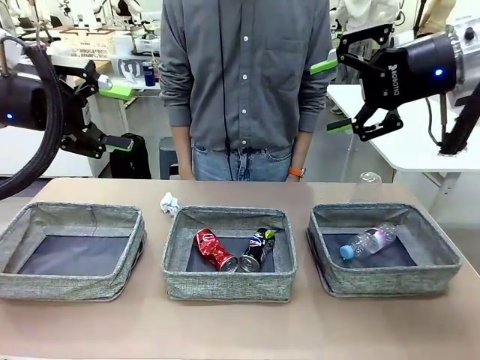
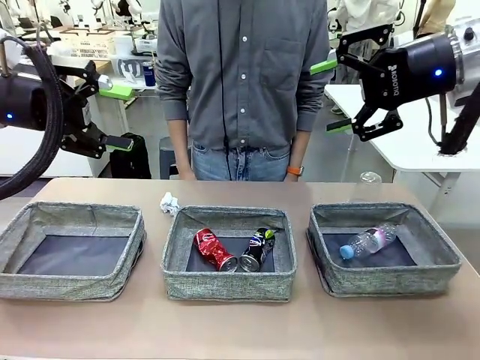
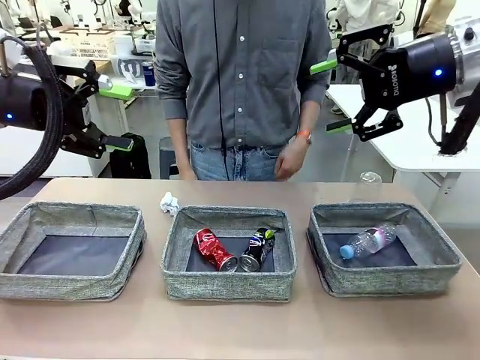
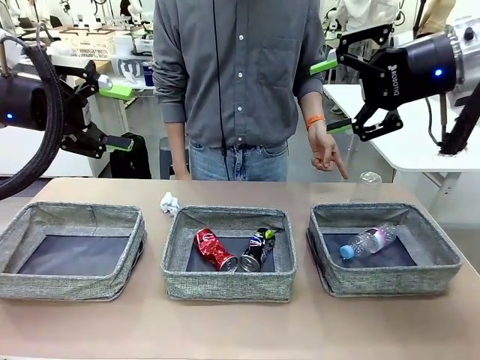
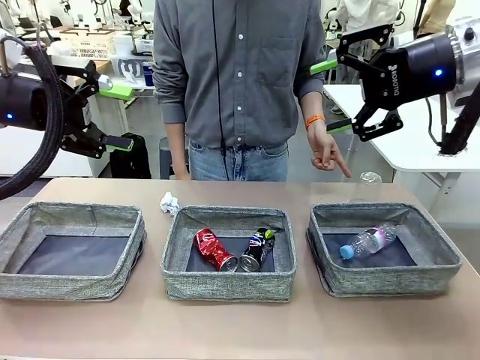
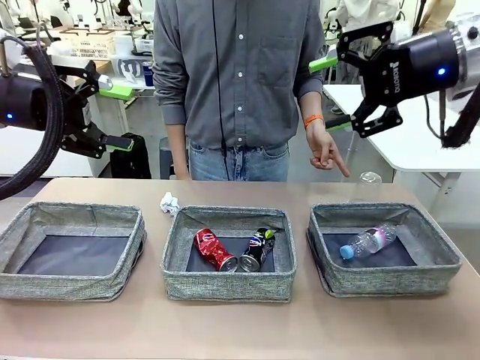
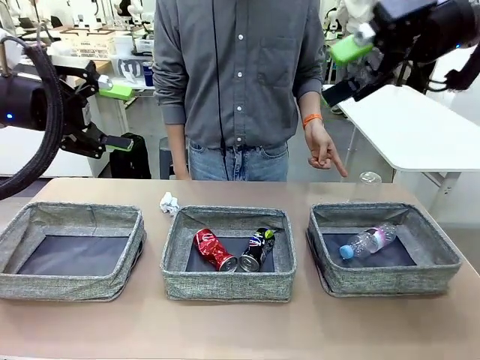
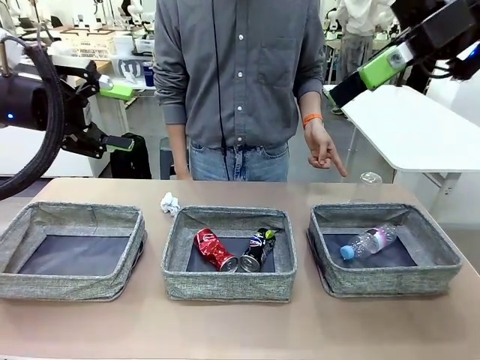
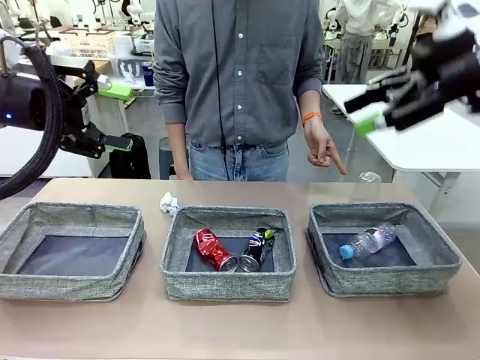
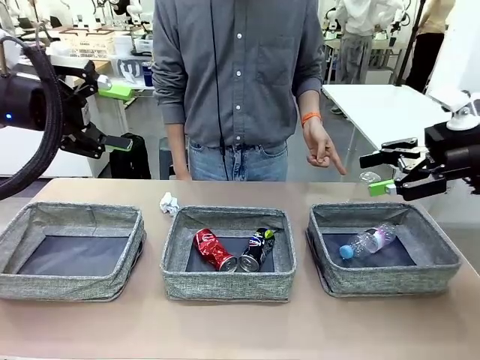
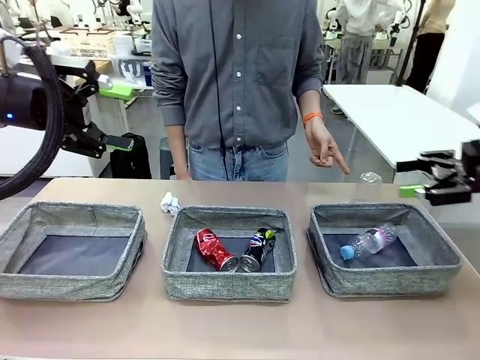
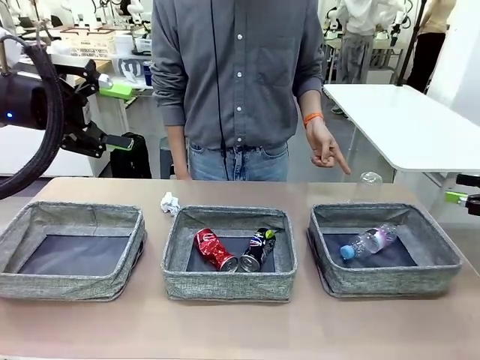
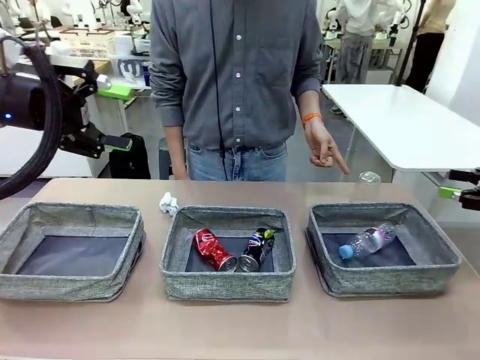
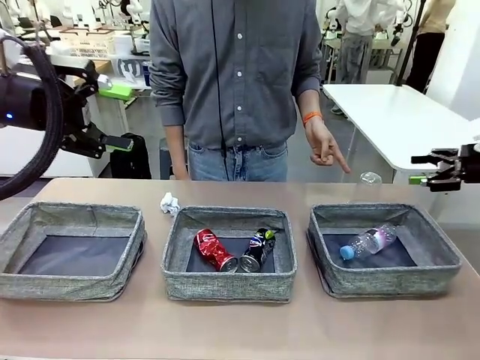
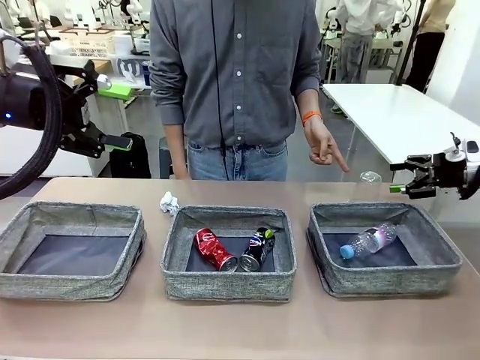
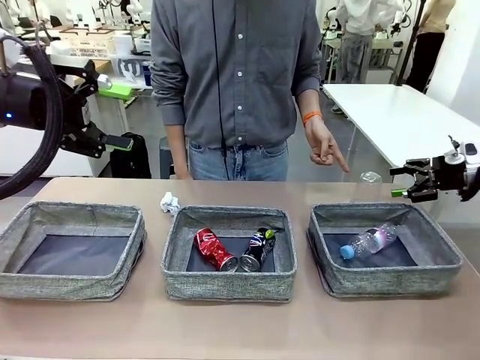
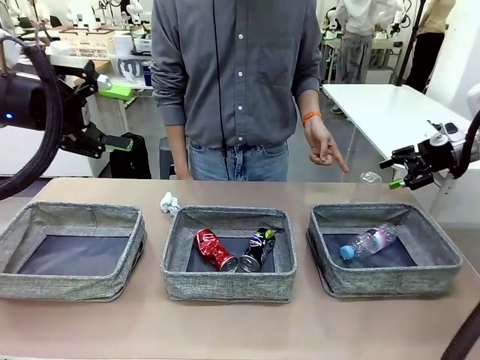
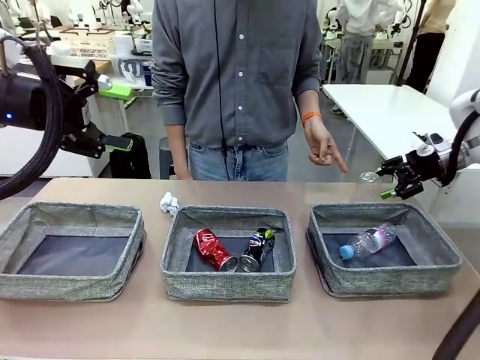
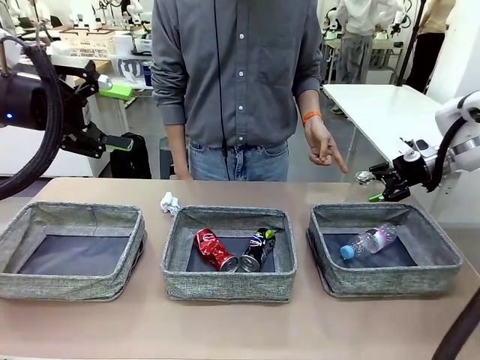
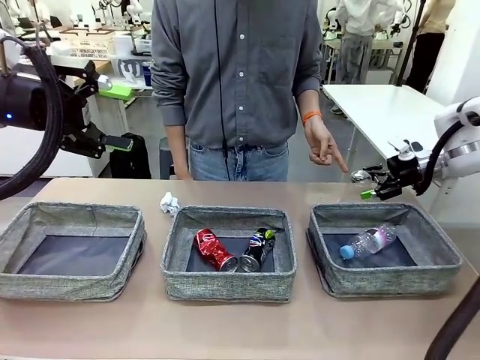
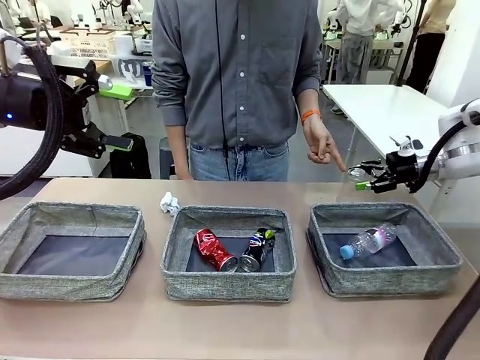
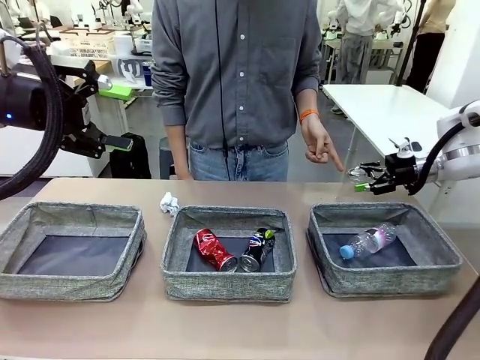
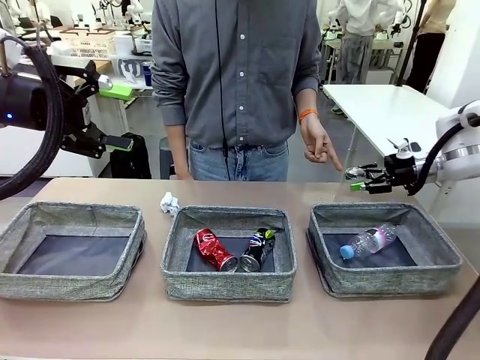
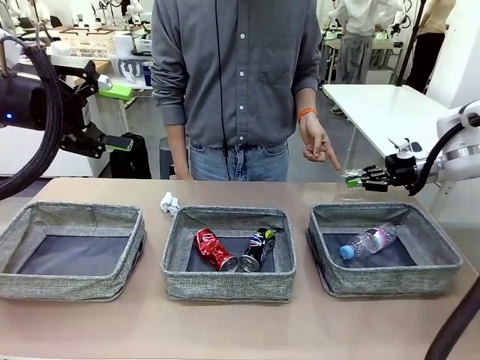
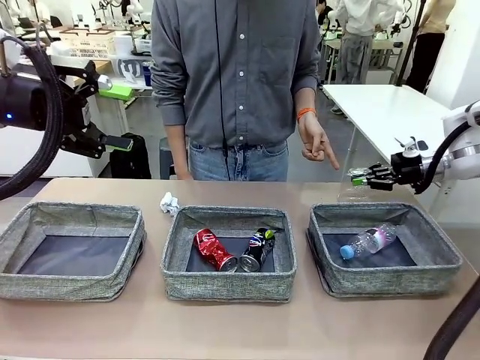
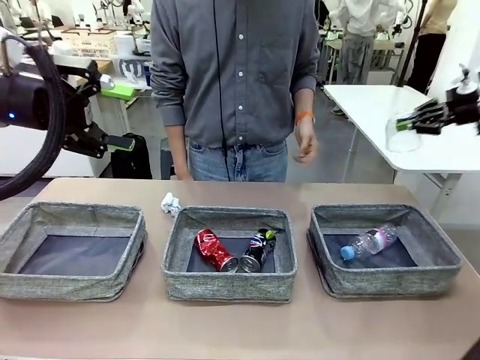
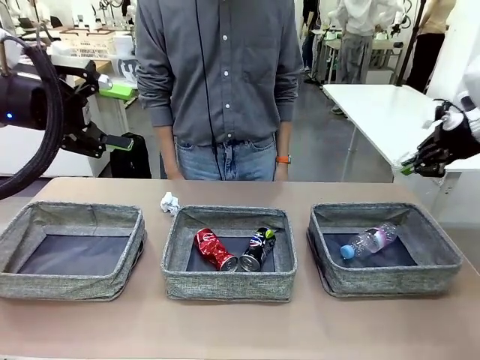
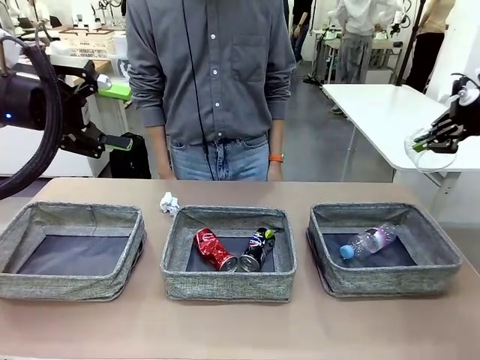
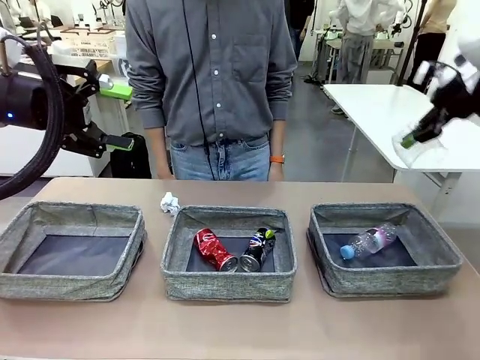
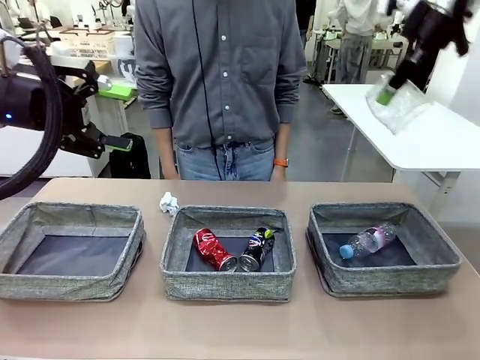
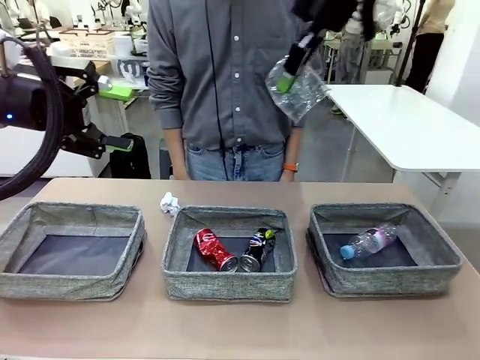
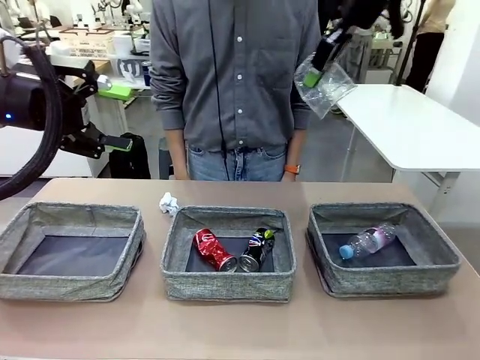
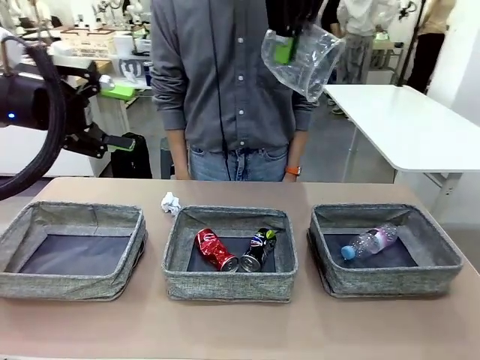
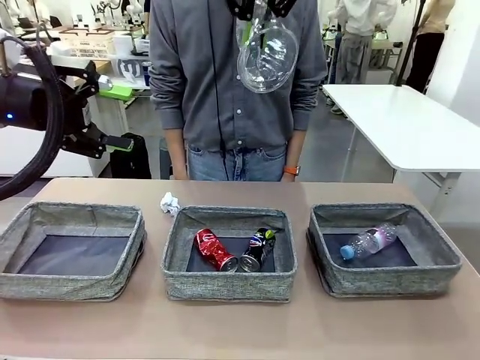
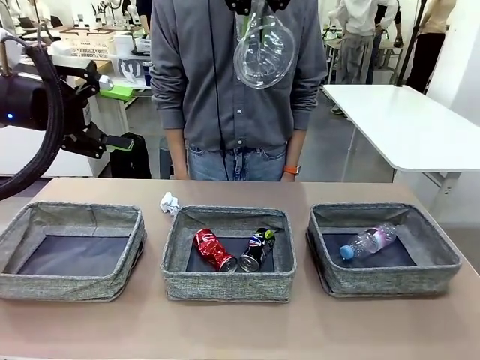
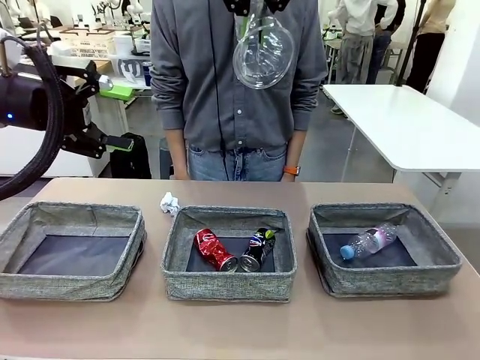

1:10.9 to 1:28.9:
Task: Sort the waste into the appropriate baskets.
Robot: Pick up the waste item pointed out by the person.
Person: Points to one piece of trash on the table.

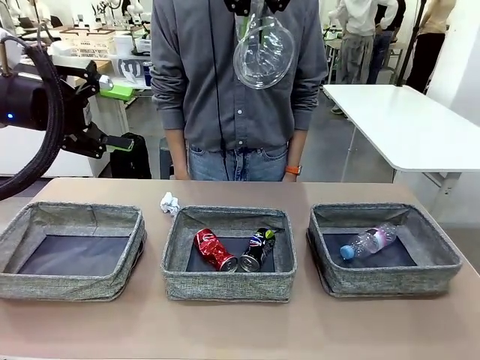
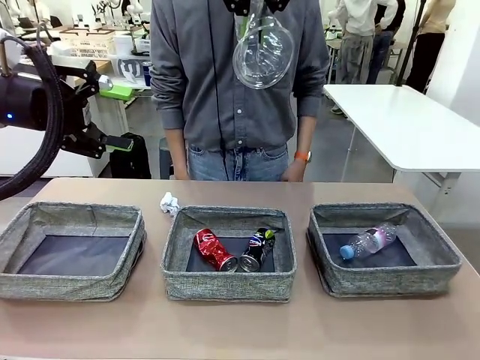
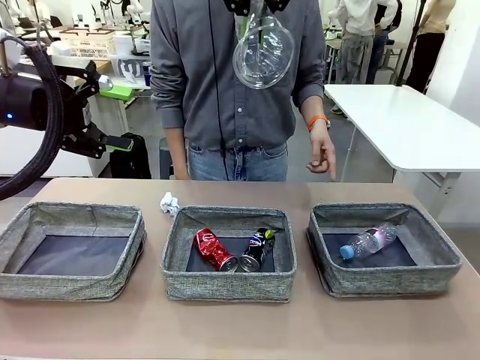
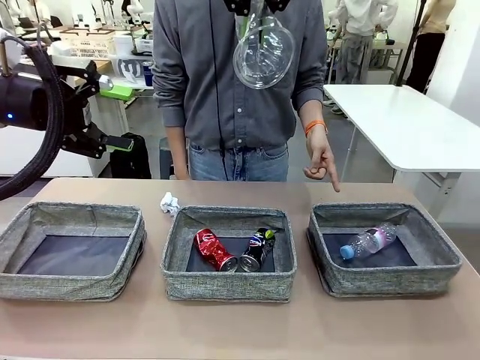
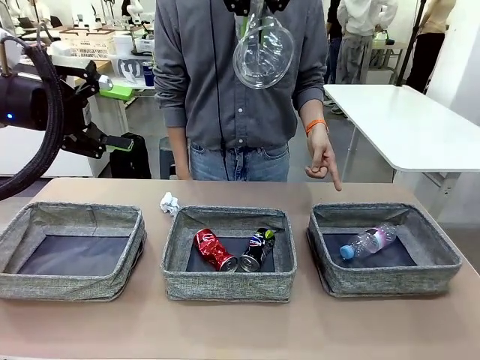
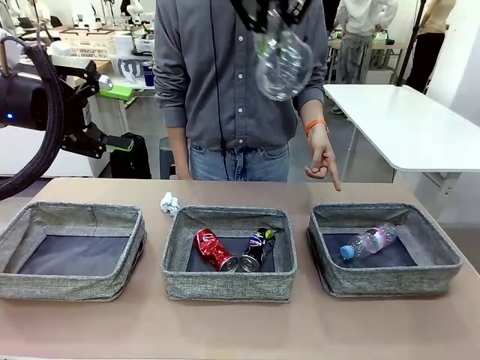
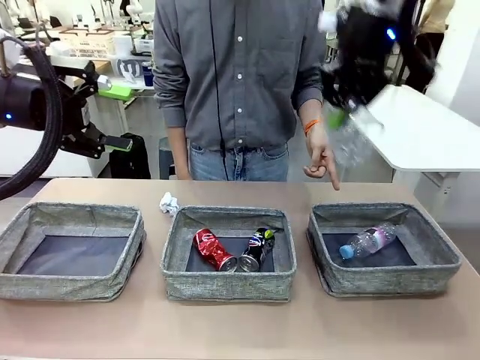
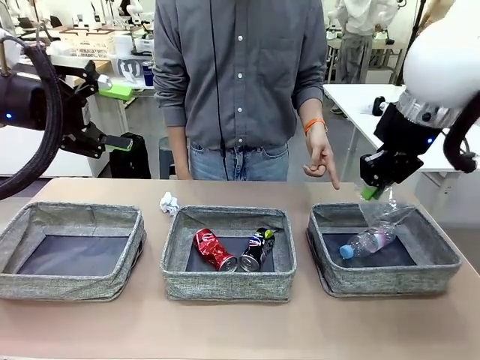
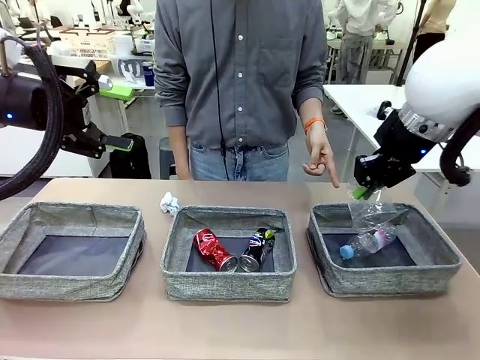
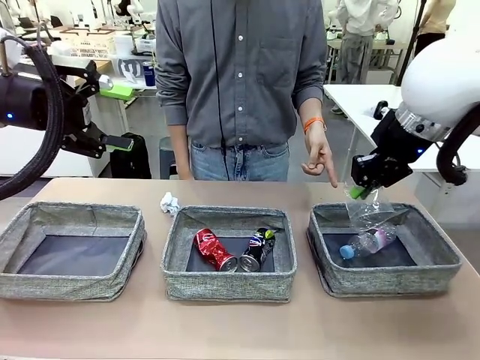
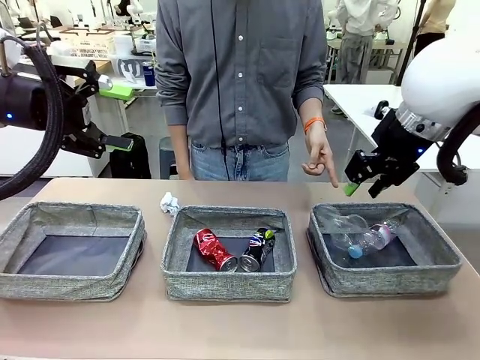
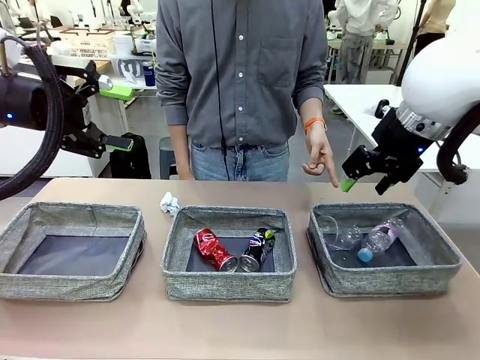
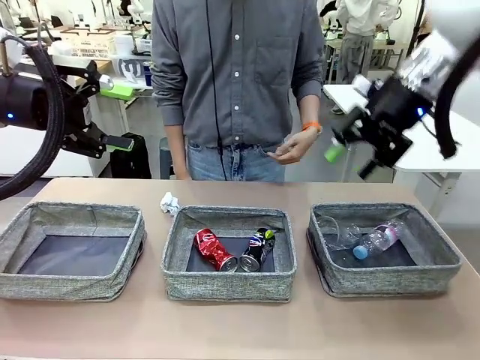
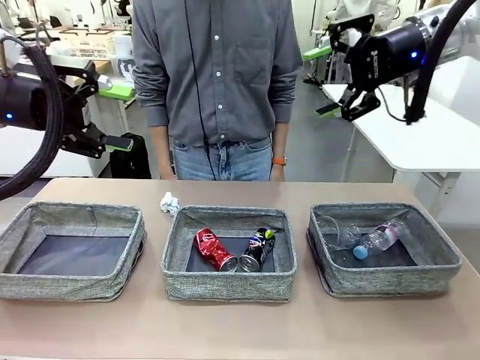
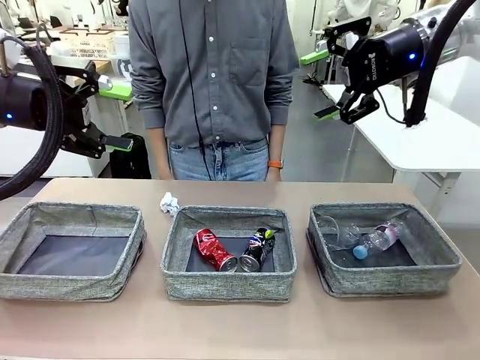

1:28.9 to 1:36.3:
Robot: Place the picked waste into the Fabric basket indicated by the person.
Person: Instructs the robot to place the picked-up trash into the appropriate organizing basket.
